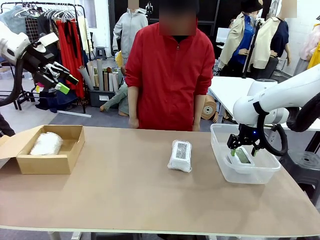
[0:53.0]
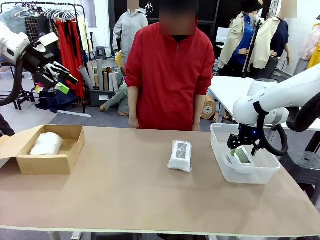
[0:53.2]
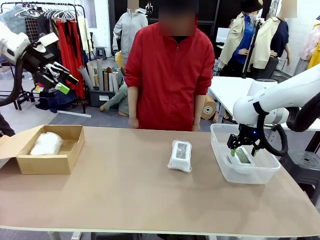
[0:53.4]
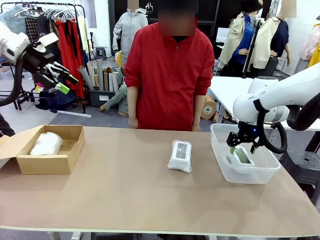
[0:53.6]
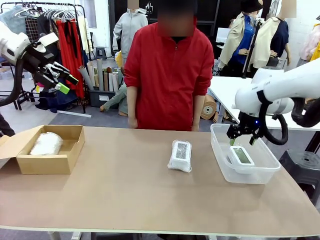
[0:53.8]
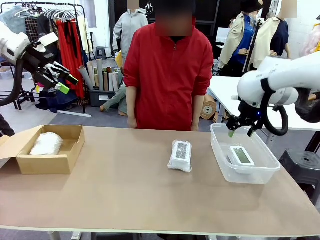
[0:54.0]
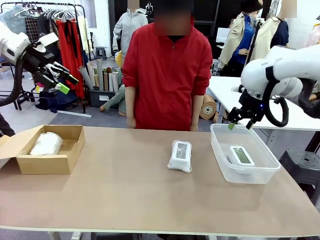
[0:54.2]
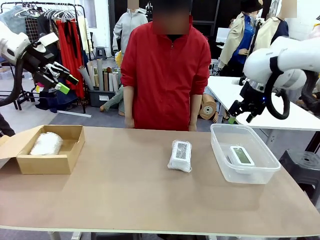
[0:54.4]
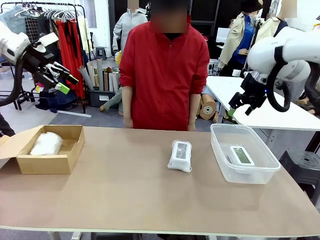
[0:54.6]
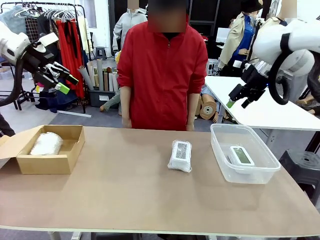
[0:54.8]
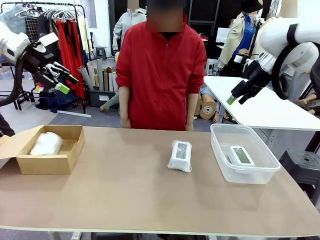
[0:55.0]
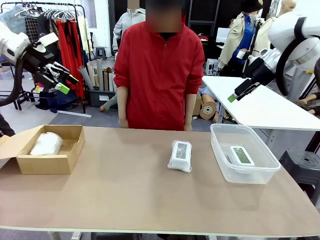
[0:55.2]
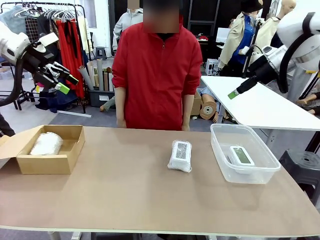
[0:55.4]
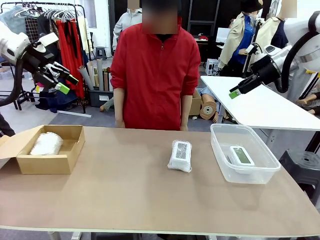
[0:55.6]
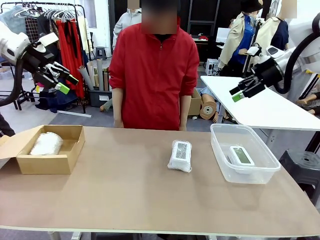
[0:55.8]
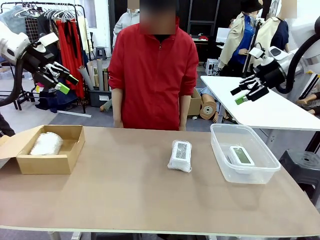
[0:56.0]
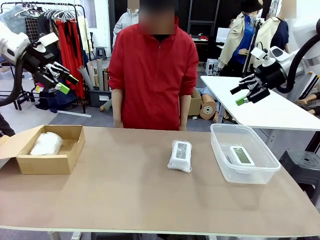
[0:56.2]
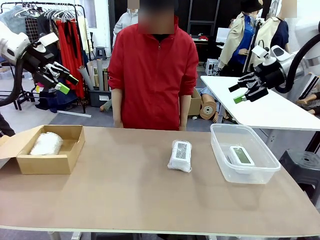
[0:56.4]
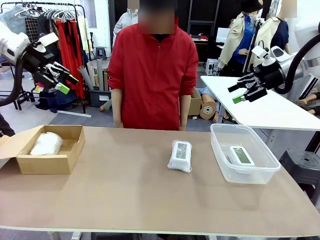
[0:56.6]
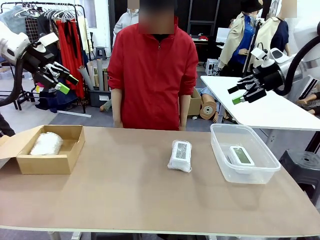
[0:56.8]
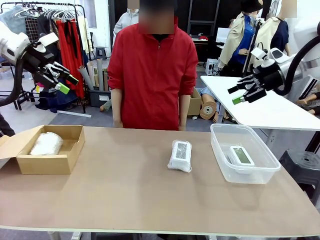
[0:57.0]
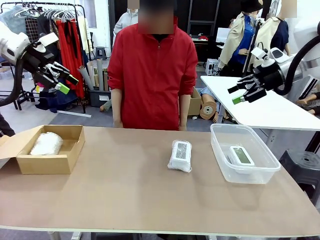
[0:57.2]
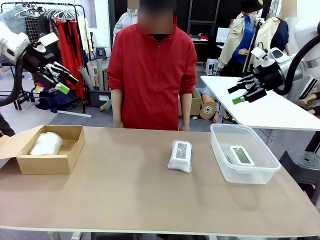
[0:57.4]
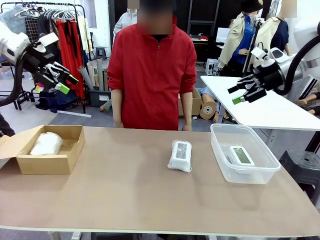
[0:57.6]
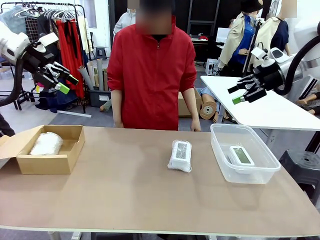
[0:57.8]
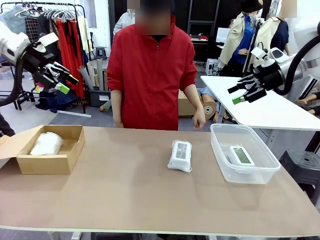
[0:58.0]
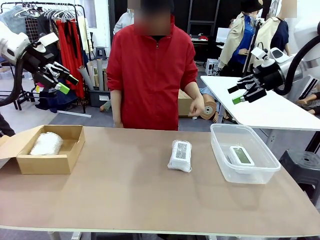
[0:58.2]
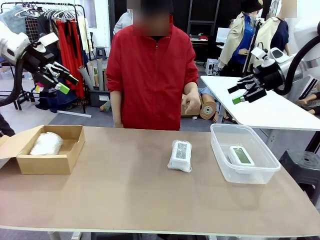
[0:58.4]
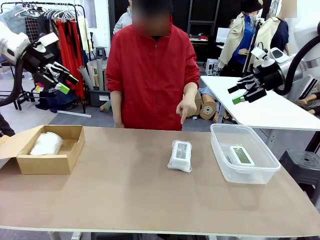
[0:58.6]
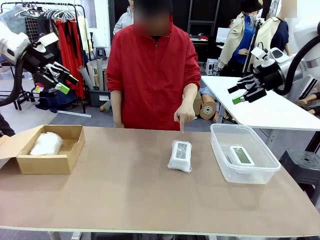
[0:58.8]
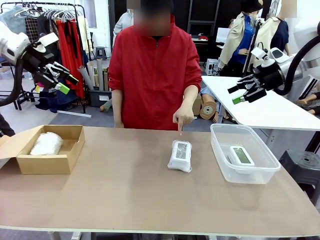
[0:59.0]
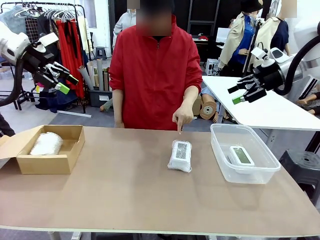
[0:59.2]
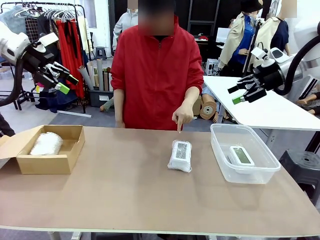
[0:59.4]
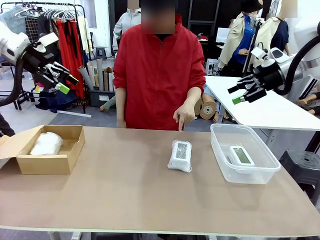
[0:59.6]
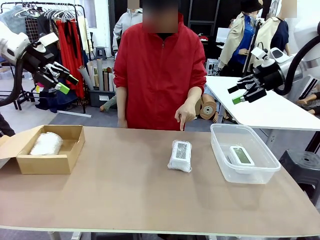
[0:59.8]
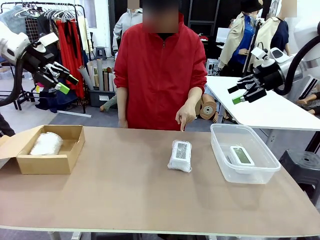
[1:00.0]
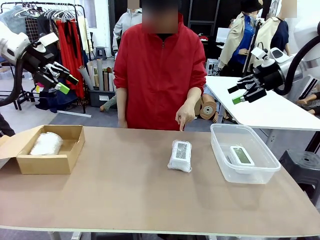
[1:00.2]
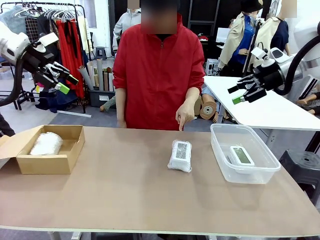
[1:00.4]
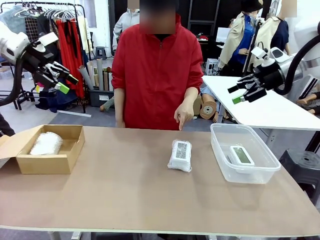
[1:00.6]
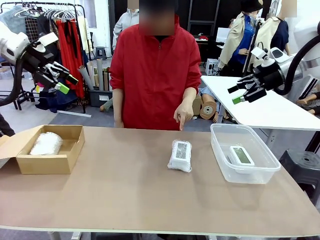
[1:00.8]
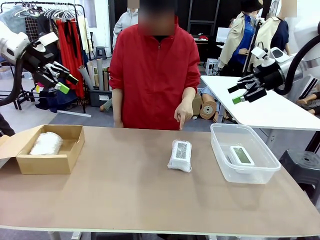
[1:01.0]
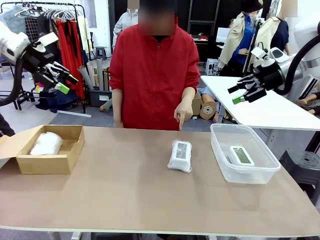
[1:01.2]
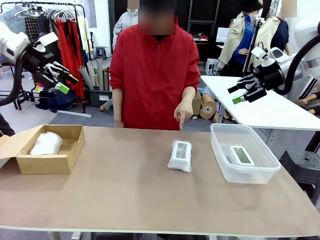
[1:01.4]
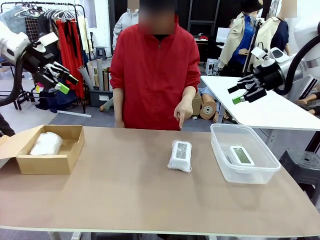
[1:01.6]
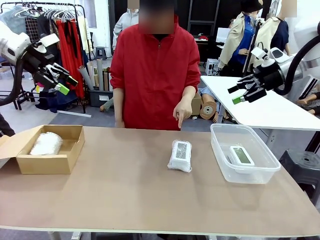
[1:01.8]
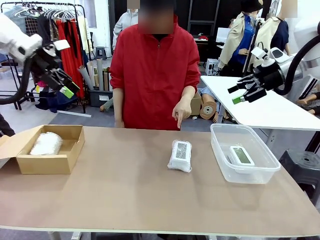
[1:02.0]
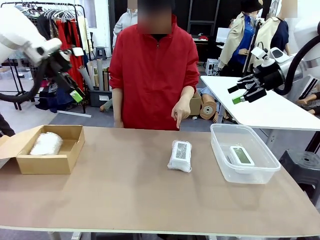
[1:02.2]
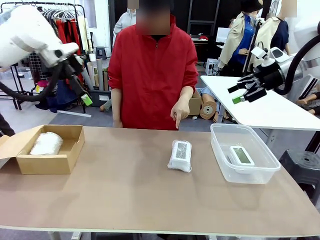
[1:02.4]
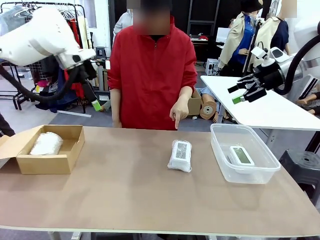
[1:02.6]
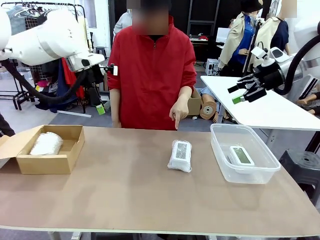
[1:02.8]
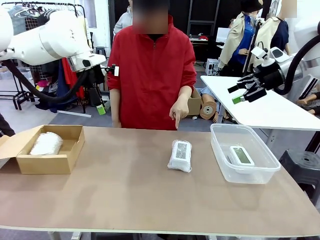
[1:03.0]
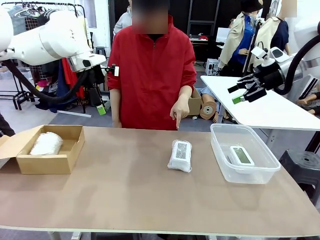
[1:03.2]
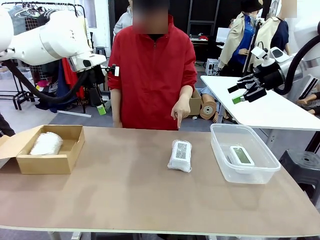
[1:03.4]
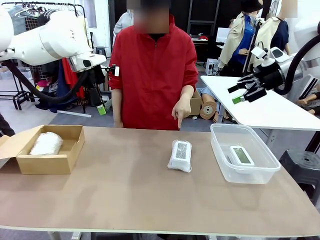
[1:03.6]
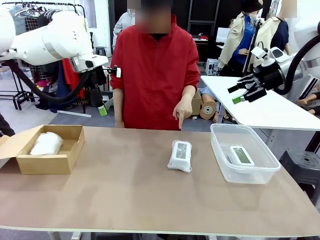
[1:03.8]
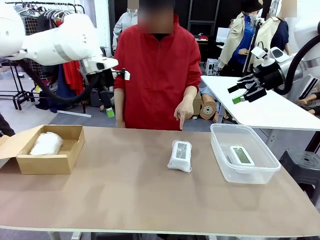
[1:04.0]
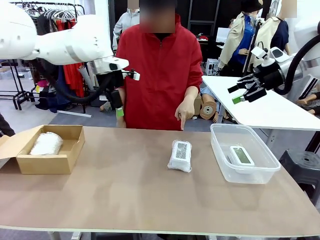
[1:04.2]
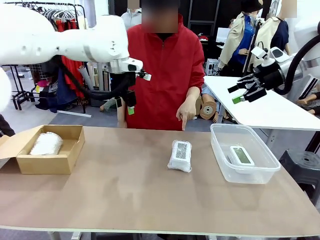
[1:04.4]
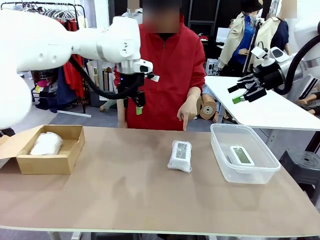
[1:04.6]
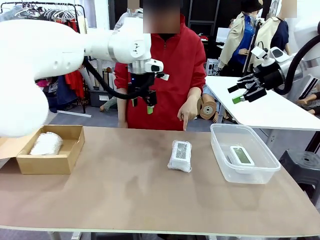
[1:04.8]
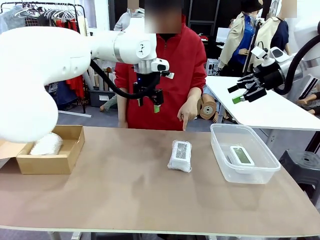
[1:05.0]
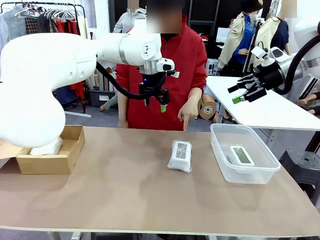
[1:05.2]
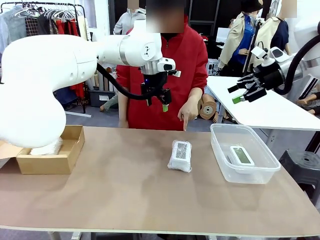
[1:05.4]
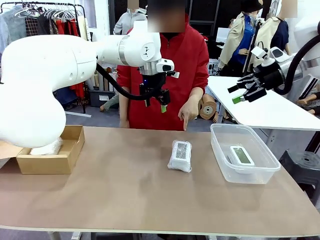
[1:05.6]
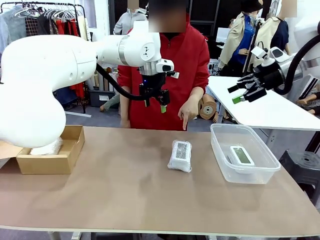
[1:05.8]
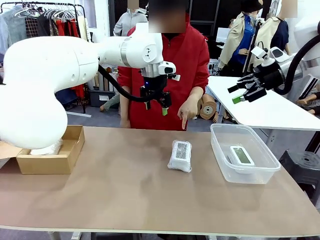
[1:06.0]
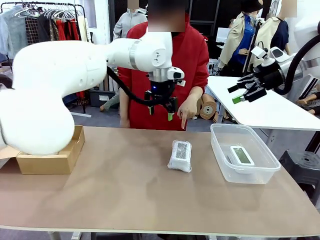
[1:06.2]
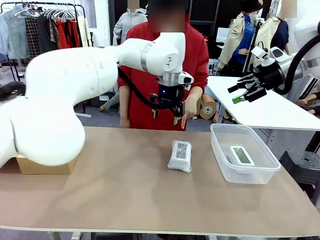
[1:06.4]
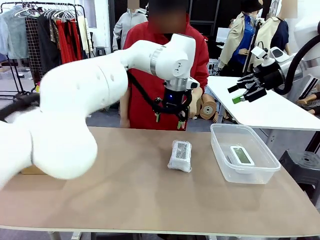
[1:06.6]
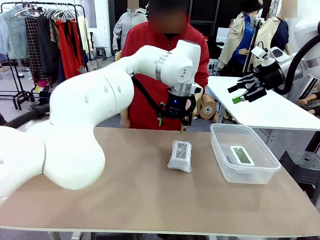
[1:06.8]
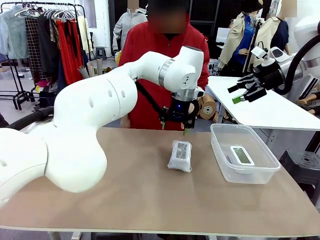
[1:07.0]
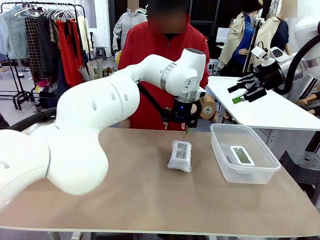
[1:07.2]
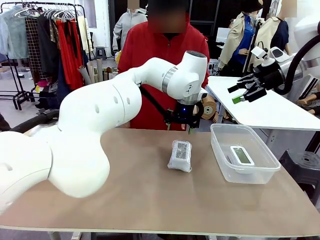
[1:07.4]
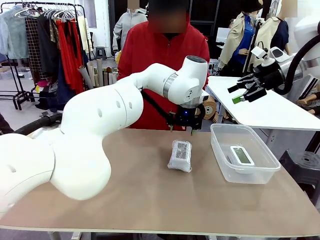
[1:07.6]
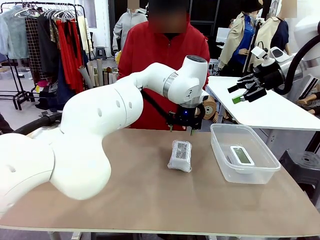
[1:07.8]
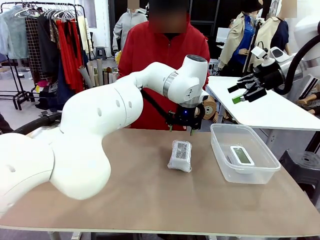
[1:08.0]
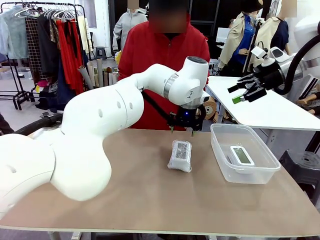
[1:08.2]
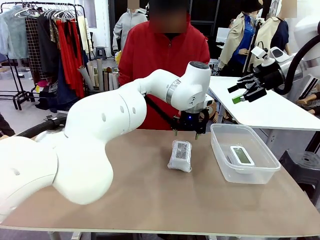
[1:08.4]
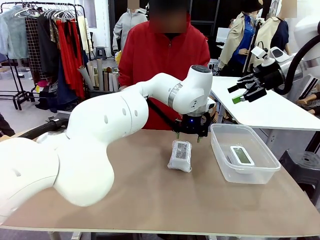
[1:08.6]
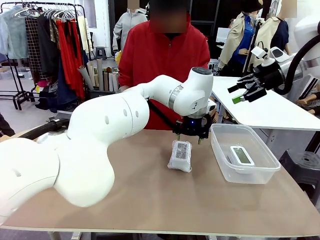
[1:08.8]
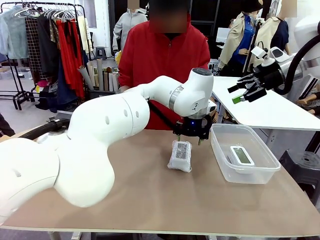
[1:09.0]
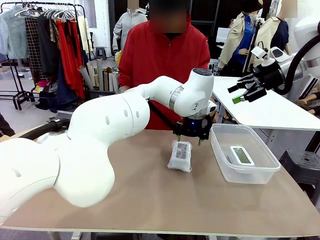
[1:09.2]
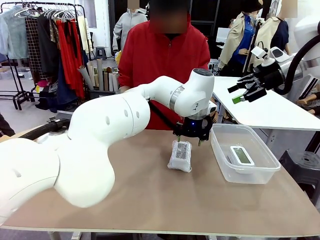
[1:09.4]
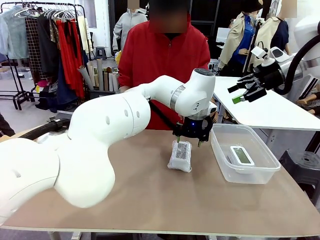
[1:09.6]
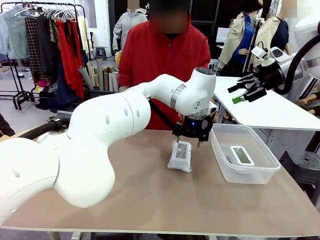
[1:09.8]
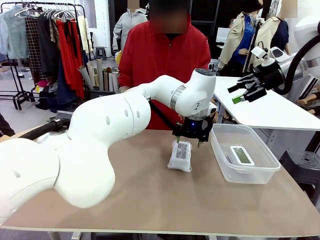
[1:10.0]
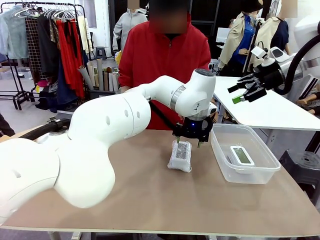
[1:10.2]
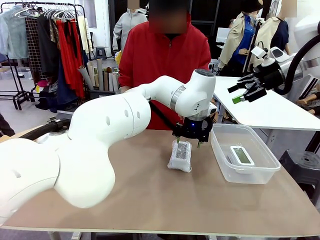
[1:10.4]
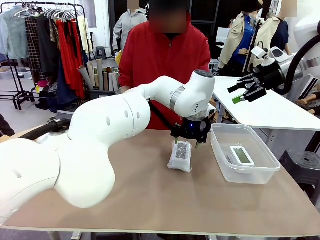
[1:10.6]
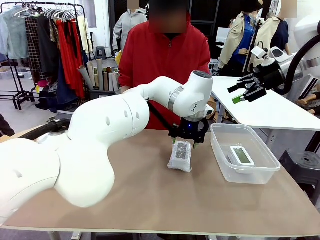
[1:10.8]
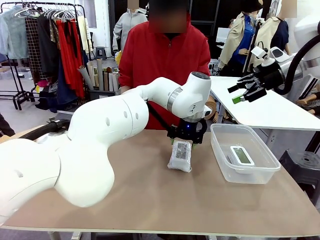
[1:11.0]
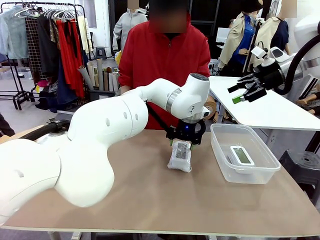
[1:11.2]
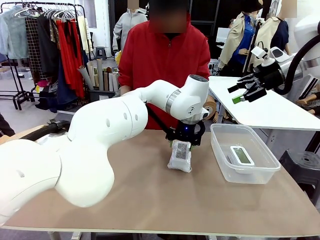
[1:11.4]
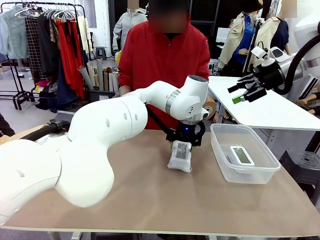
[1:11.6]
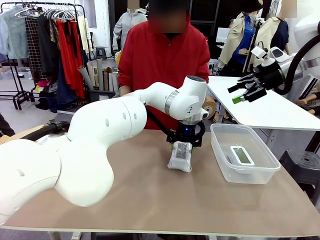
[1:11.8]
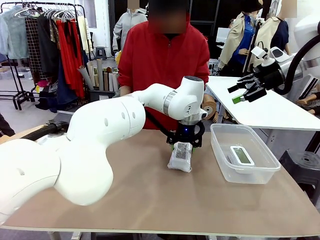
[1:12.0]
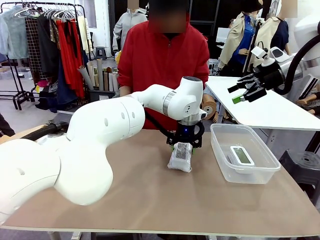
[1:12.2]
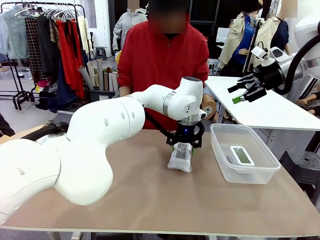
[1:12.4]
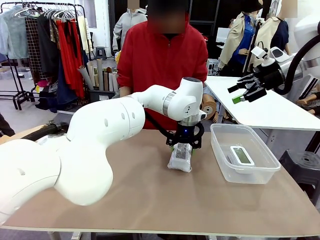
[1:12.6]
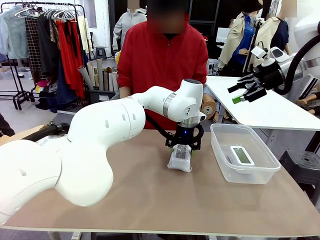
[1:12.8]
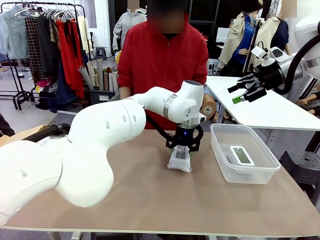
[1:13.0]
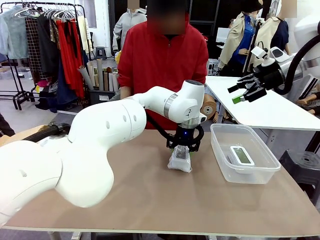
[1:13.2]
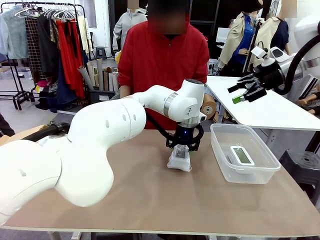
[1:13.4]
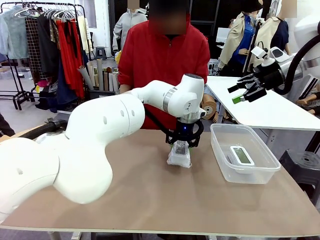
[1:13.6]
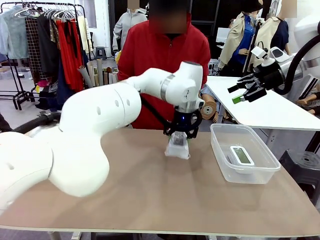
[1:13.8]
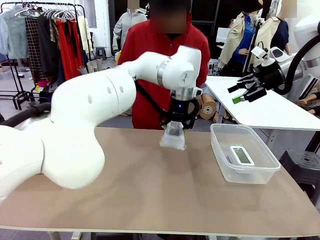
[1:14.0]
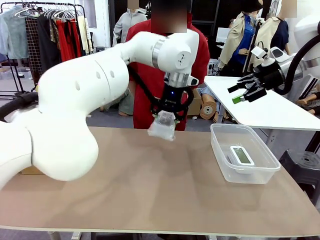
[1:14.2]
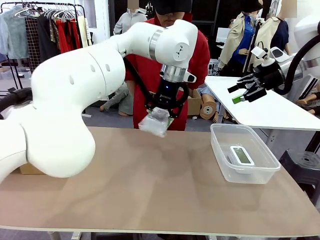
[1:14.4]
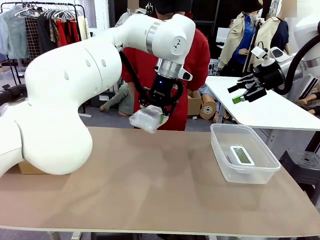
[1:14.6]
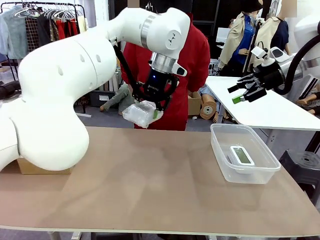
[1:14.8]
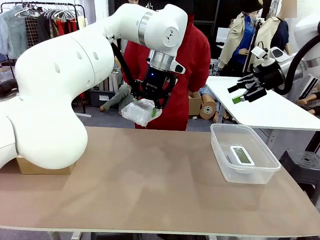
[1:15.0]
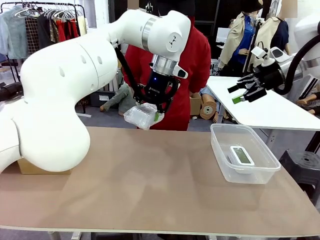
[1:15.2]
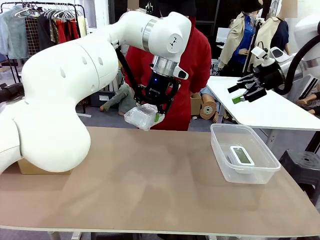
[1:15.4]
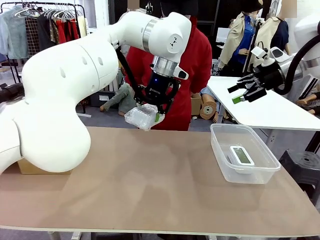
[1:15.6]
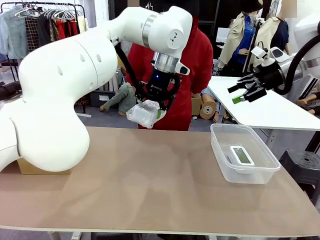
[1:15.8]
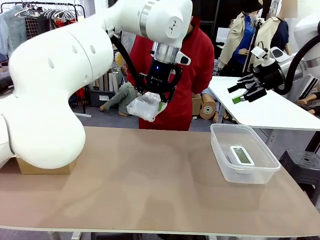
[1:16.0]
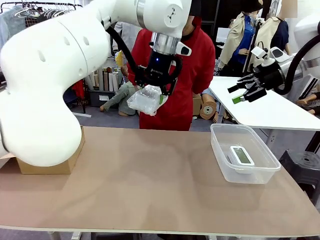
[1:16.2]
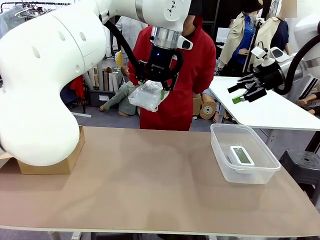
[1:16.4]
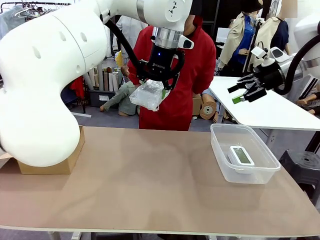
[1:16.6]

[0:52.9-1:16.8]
Task: Separate and place wrapped and unwrapped clocks.
Robot: Pick up the Digital clock indicated by the person.
